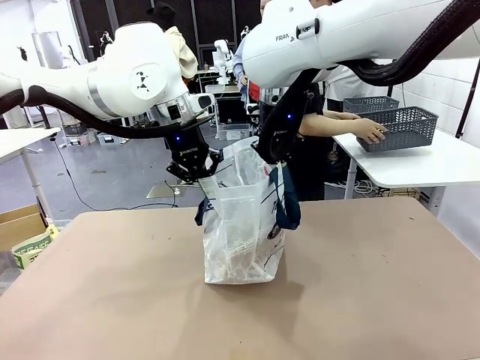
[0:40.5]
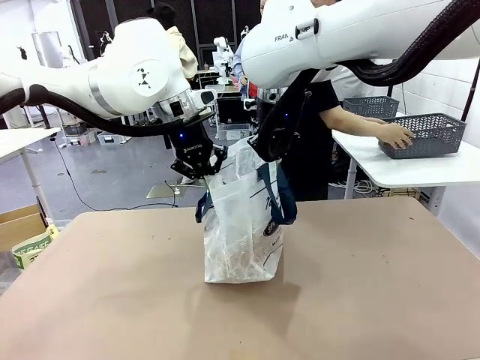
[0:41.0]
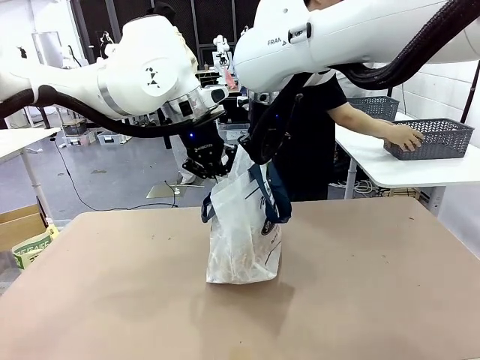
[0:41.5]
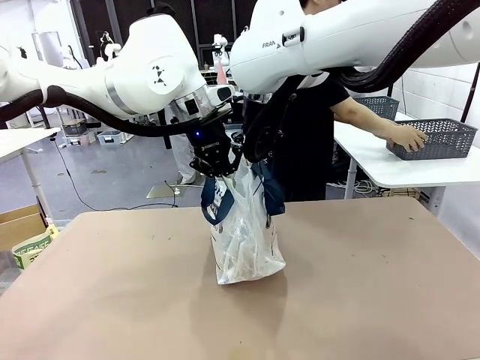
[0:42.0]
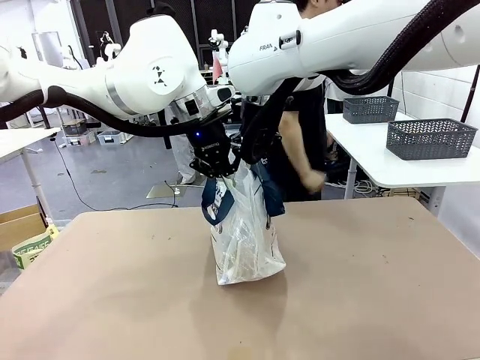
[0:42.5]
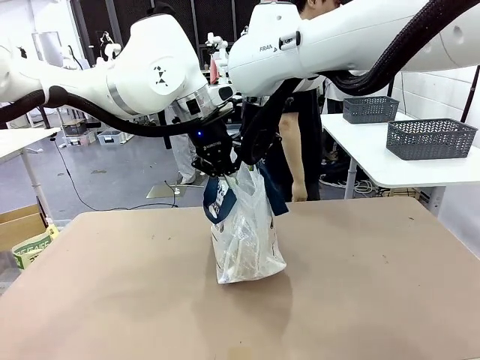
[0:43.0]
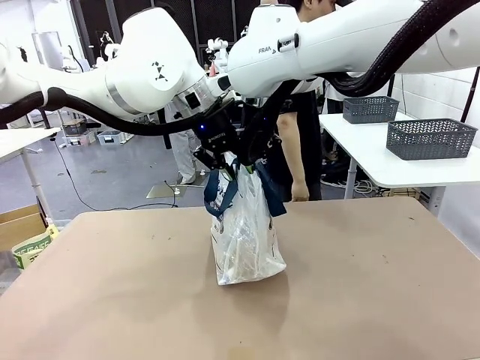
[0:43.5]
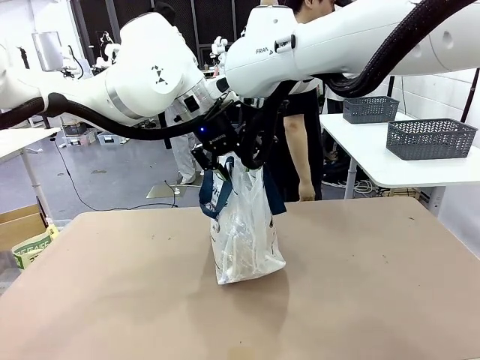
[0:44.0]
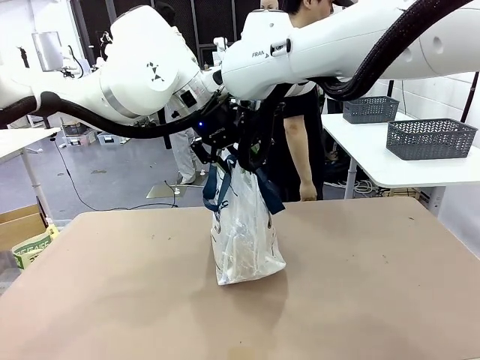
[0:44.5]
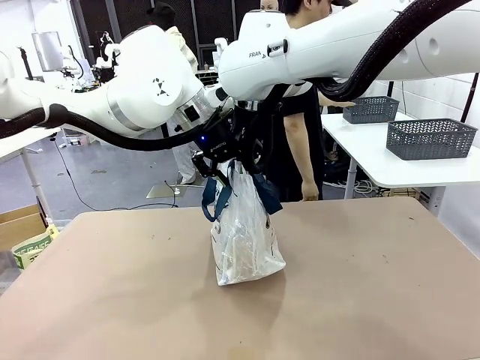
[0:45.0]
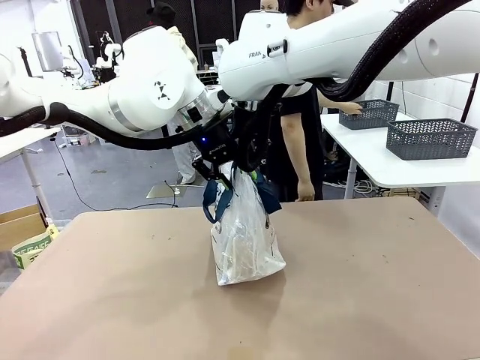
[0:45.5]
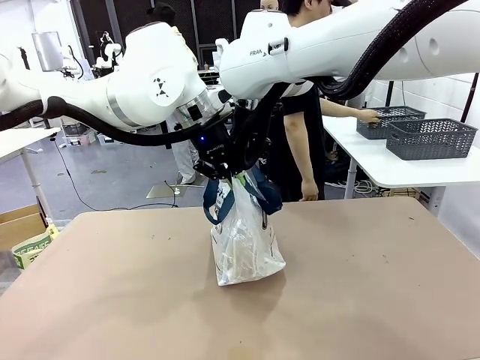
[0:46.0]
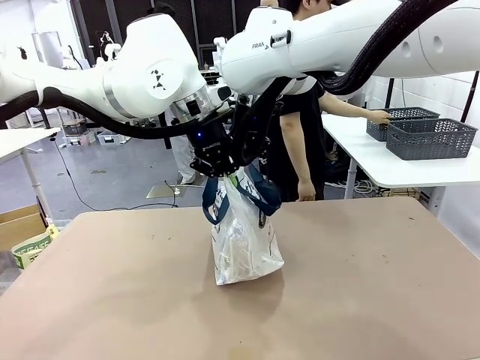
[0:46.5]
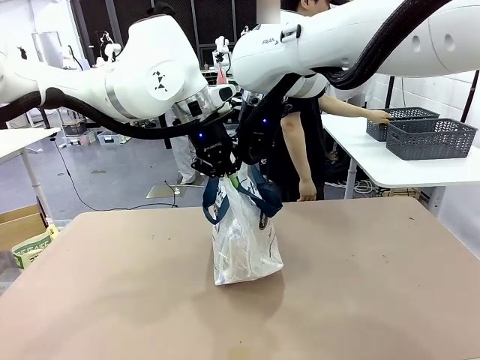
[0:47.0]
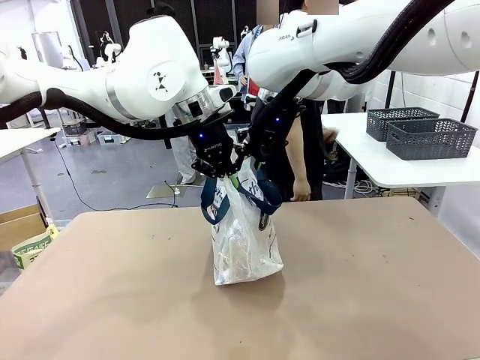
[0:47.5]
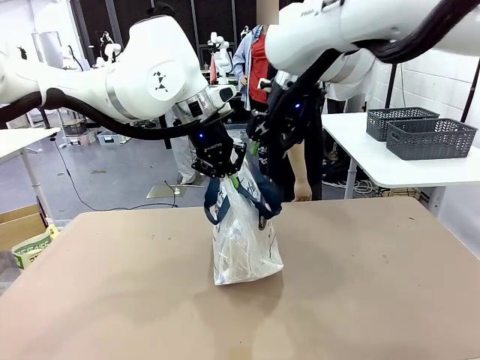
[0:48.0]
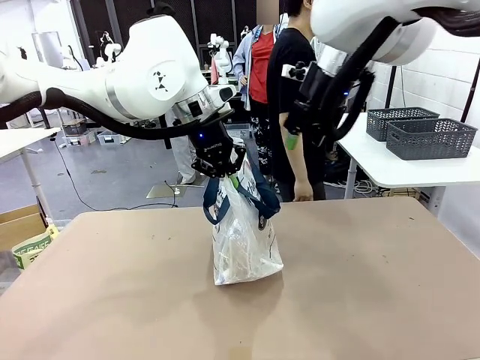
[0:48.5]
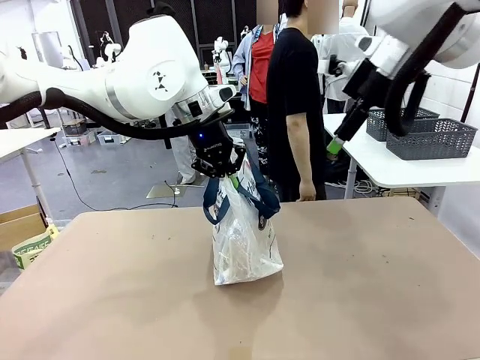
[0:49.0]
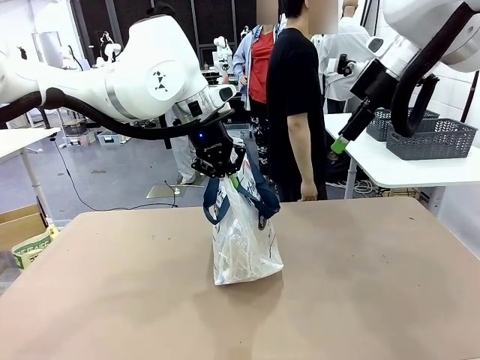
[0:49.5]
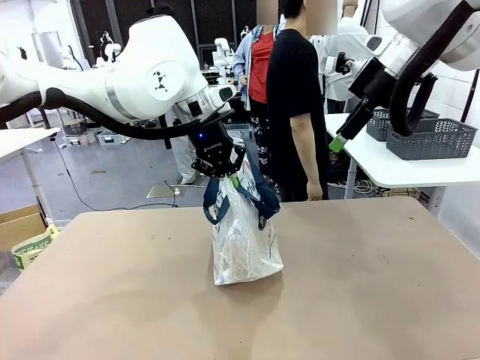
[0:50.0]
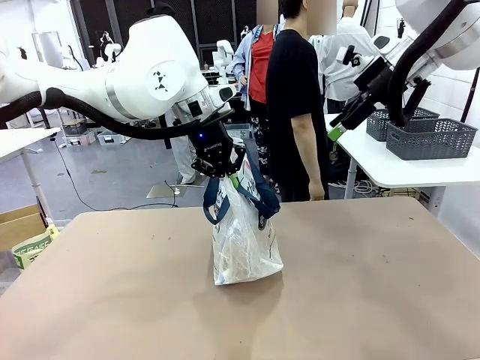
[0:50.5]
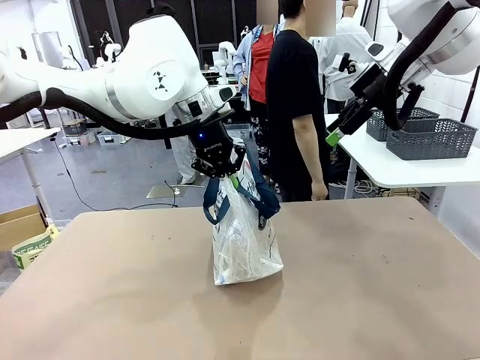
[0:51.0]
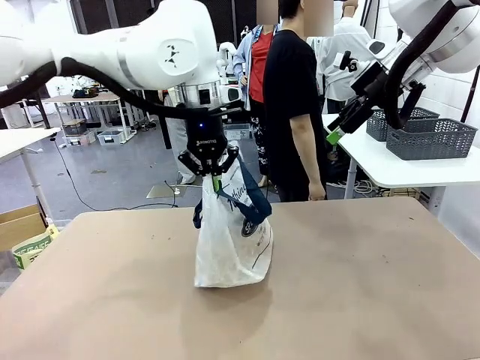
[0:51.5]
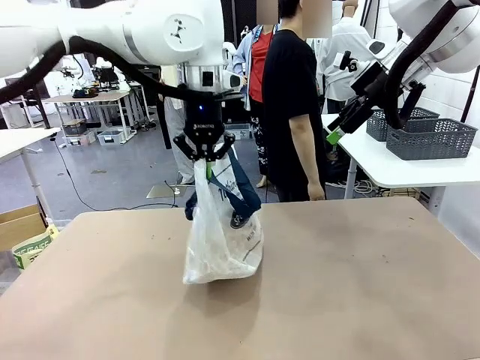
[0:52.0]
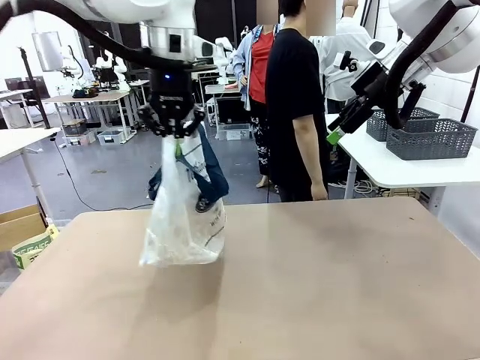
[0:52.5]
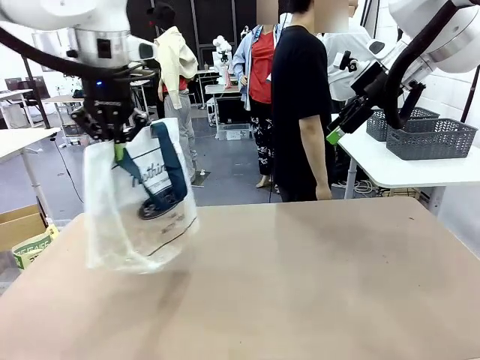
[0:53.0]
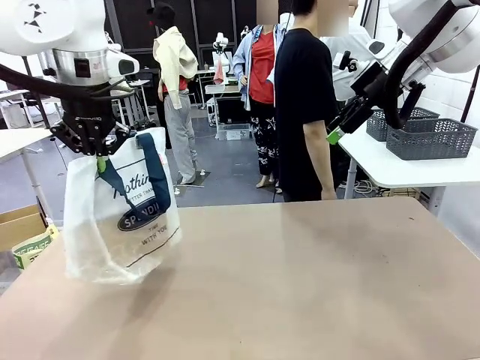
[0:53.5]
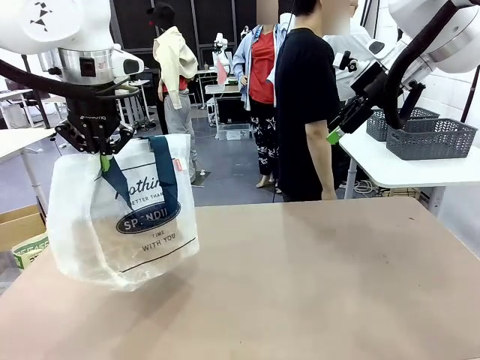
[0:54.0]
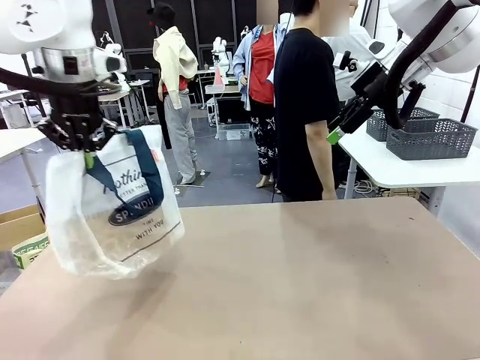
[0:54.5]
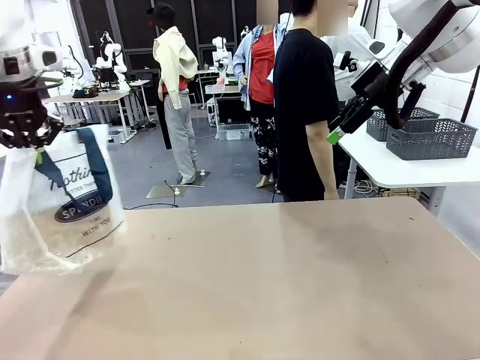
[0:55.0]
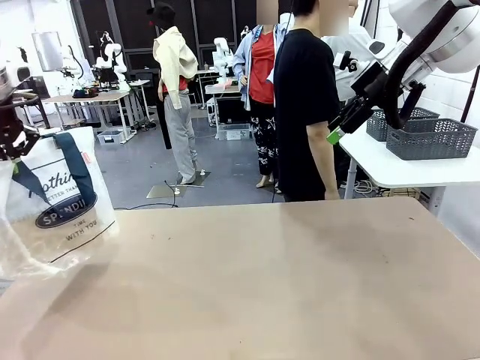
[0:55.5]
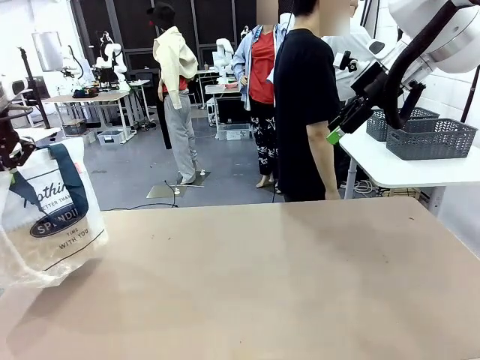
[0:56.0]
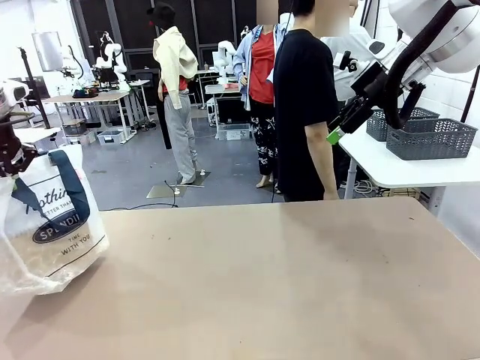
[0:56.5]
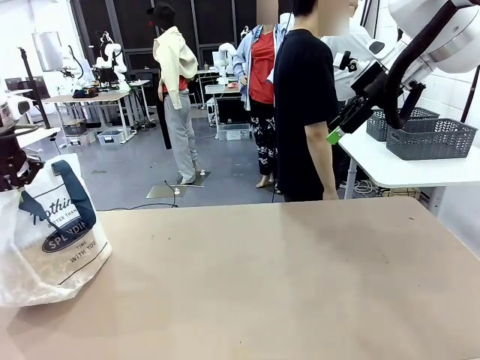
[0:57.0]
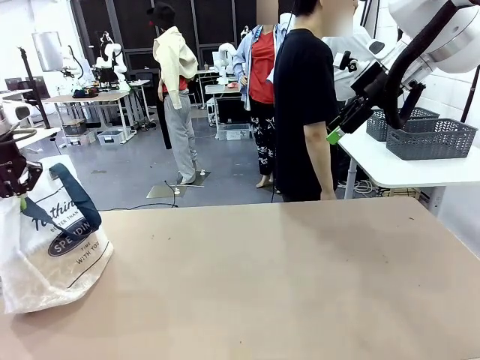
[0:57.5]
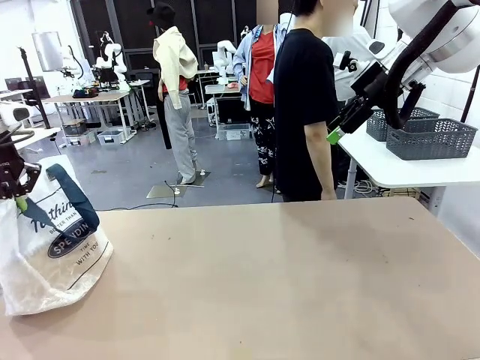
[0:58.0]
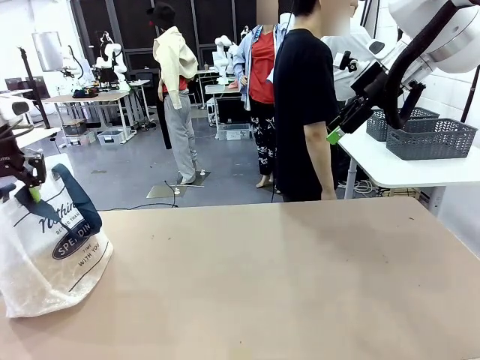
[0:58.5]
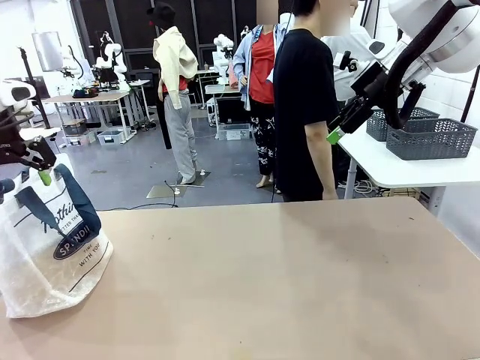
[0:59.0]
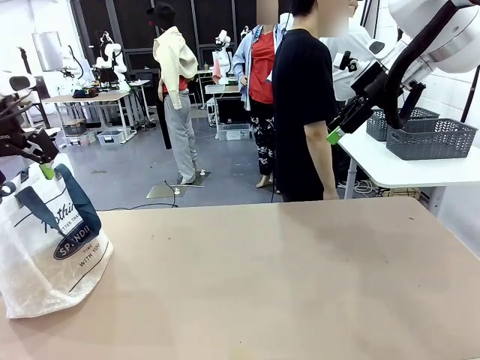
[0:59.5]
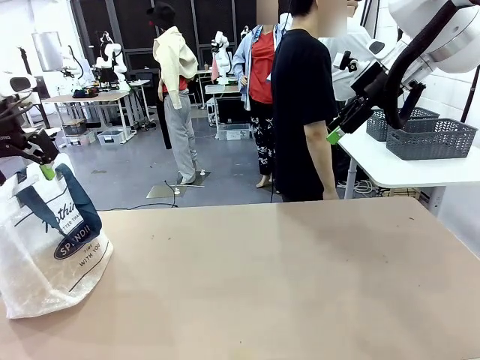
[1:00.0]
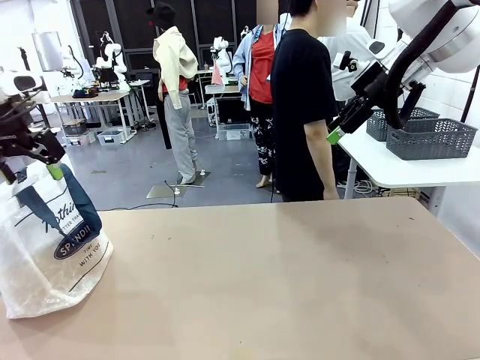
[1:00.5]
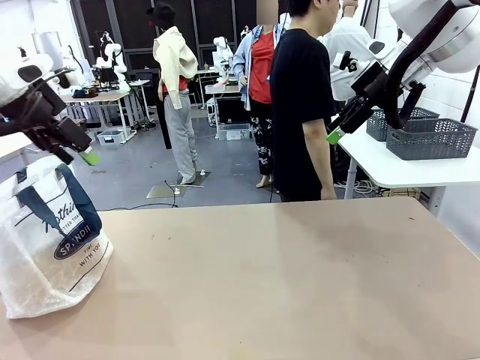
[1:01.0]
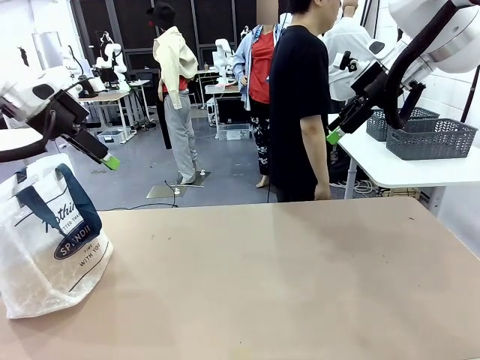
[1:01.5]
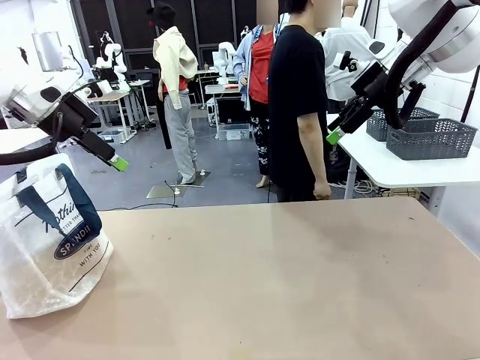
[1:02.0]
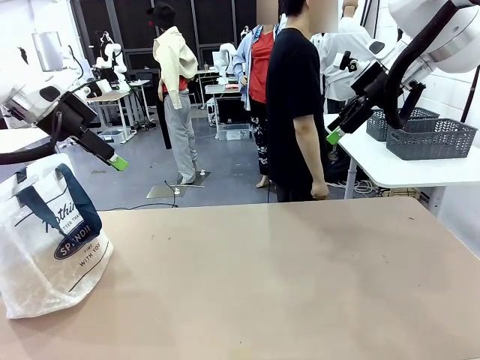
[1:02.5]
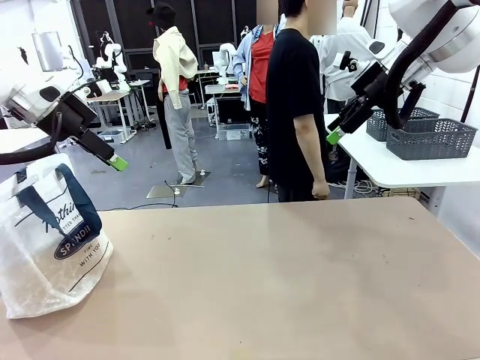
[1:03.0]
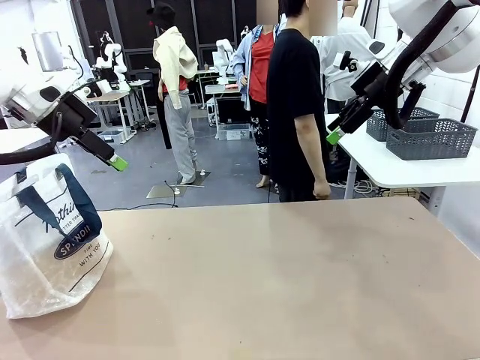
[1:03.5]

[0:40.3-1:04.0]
Task: Transfer purchased items from the store into the shopping bag.
Robot: Move the Reusable shopping bag to the right side of the table.
Person: Move the basket on the left to the middle of the person's table.
